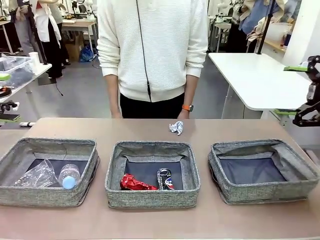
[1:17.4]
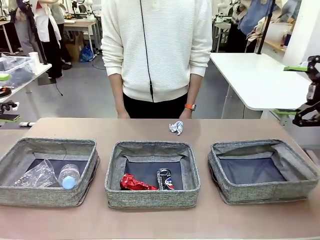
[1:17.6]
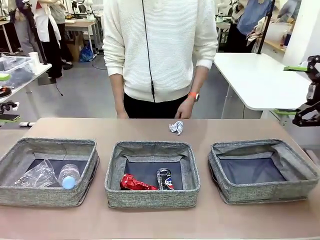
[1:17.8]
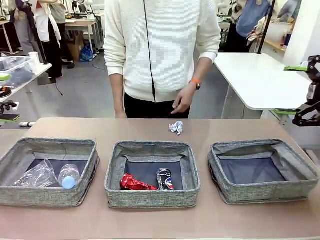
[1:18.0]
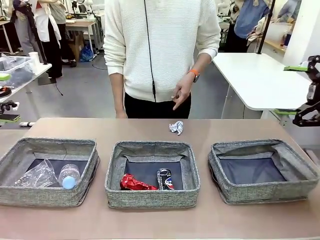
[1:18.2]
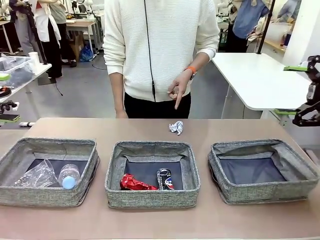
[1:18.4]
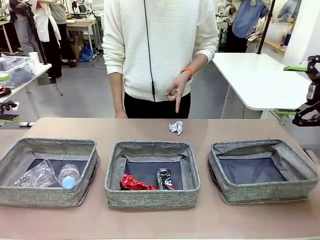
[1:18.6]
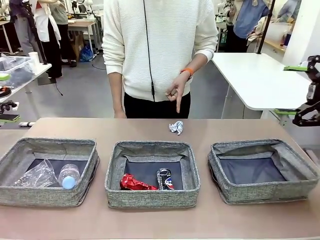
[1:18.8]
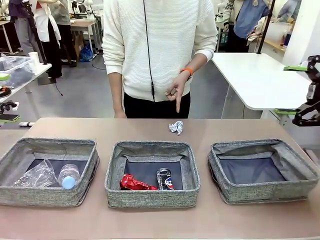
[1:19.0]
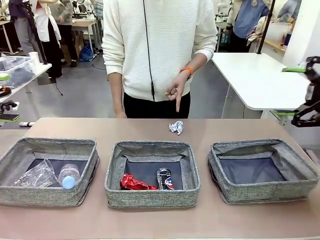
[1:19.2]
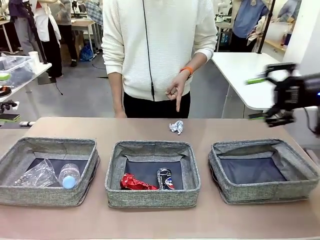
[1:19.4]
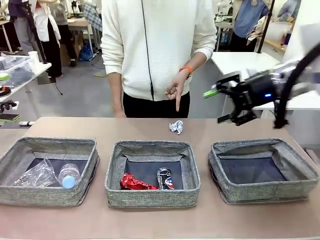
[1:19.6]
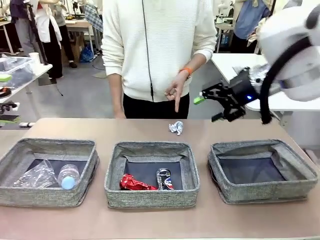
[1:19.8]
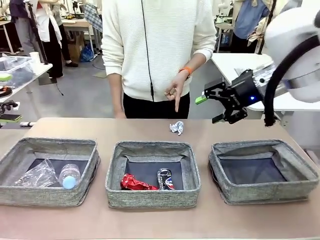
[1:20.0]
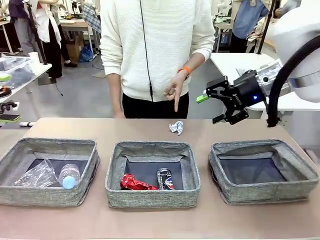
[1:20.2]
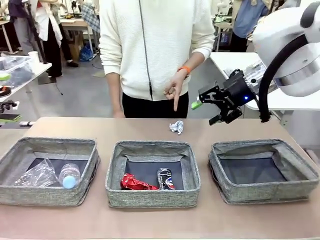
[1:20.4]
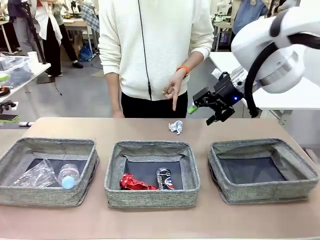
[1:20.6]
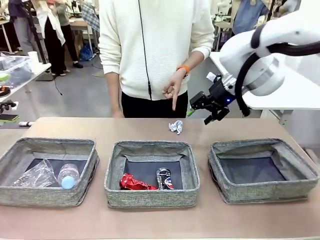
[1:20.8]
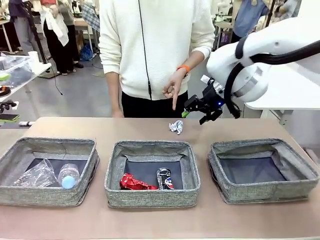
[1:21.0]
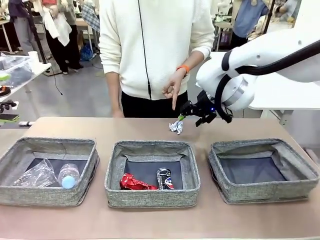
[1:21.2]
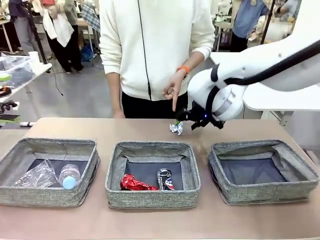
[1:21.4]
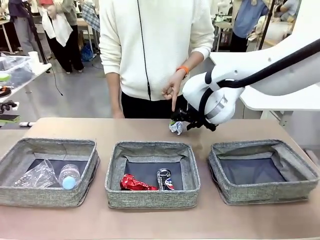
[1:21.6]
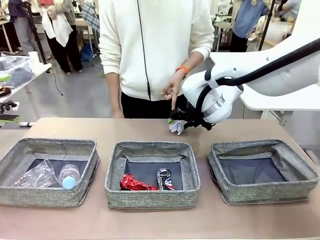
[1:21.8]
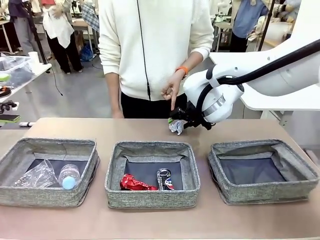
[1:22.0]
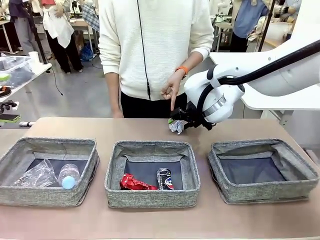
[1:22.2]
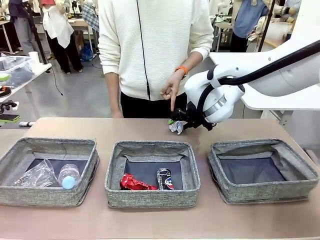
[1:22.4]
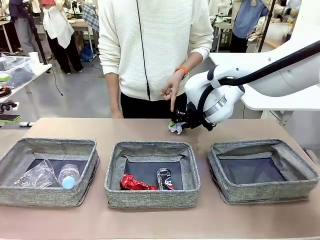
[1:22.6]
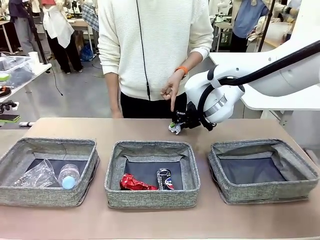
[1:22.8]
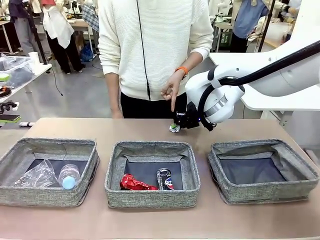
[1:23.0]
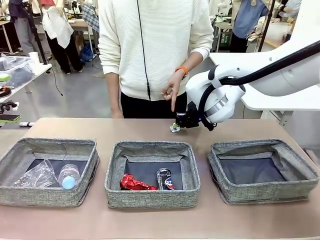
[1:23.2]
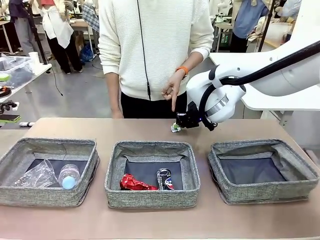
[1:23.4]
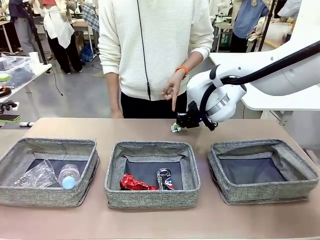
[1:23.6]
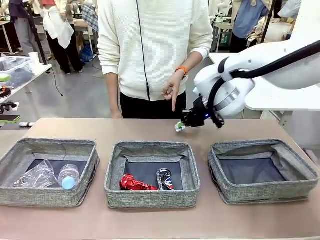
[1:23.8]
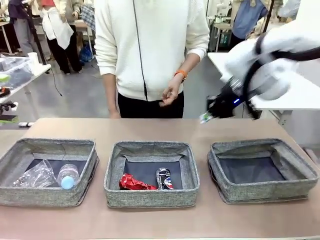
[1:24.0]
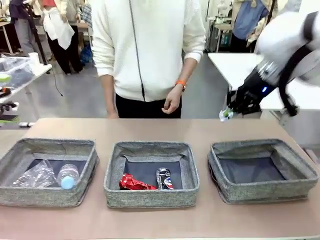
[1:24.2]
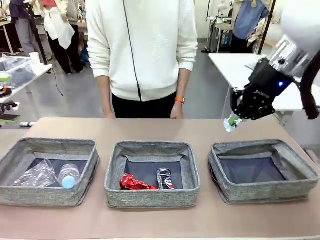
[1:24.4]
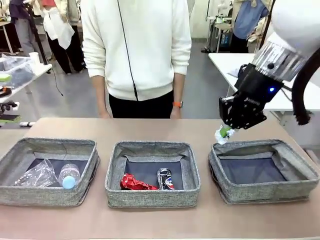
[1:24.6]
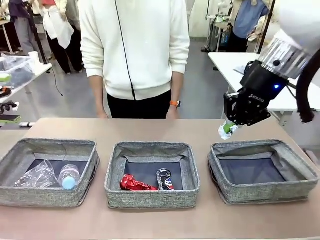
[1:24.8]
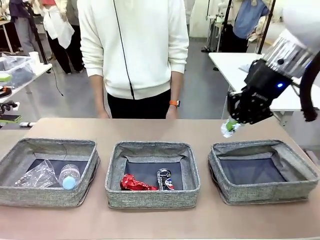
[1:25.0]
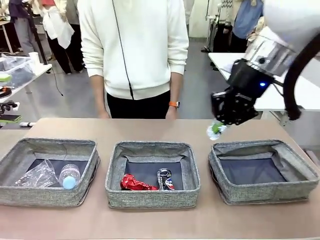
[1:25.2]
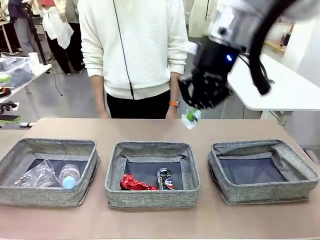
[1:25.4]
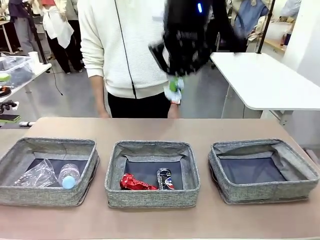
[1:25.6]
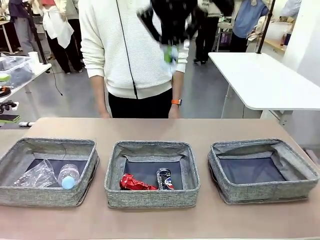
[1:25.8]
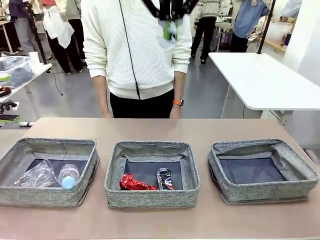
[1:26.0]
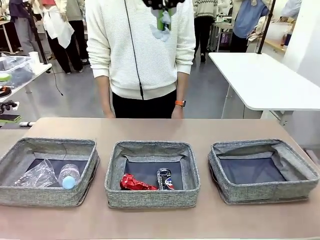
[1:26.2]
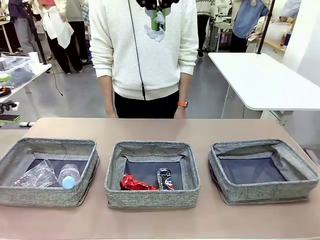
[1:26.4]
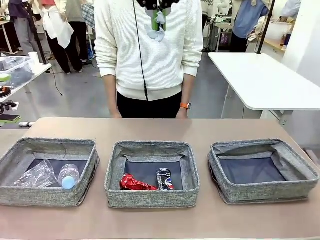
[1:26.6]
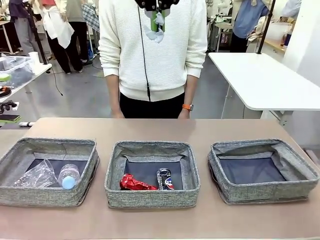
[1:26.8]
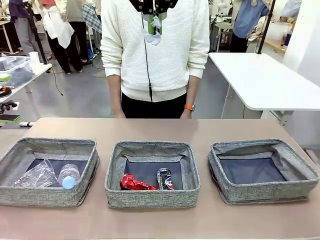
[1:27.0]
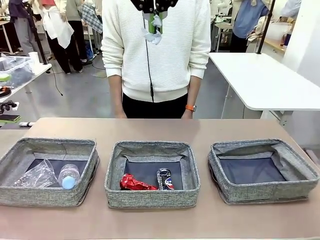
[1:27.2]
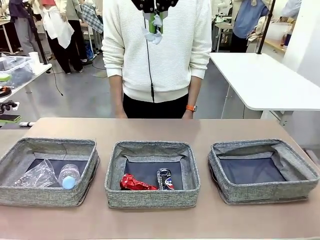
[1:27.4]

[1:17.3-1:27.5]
Task: Sort the waste into the appropriate baskets.
Robot: Pick up the waste item pointed out by the person.
Person: Points to one piece of trash on the table.

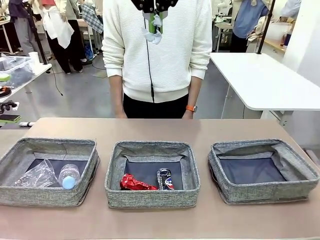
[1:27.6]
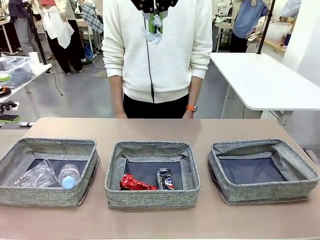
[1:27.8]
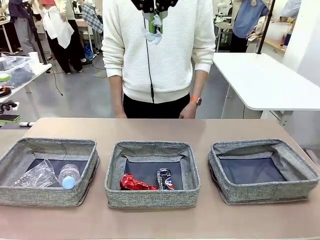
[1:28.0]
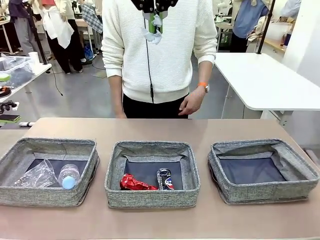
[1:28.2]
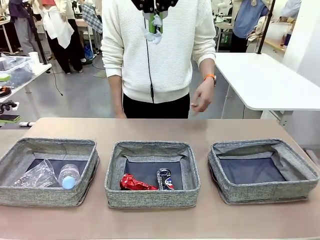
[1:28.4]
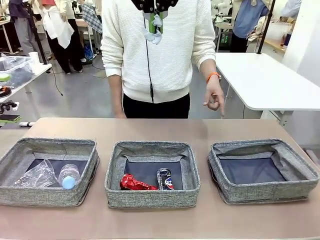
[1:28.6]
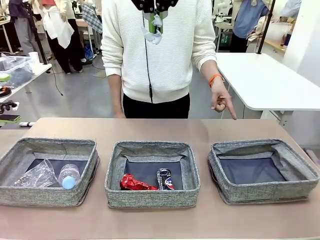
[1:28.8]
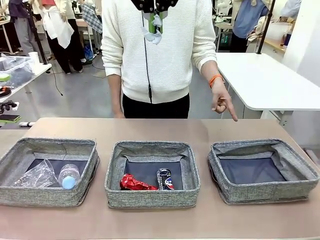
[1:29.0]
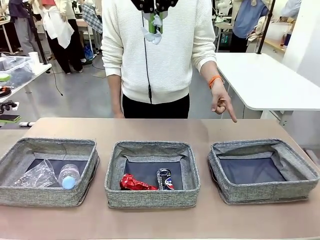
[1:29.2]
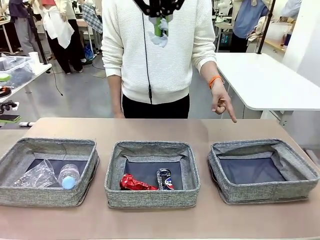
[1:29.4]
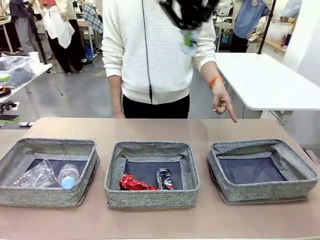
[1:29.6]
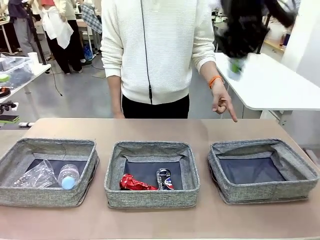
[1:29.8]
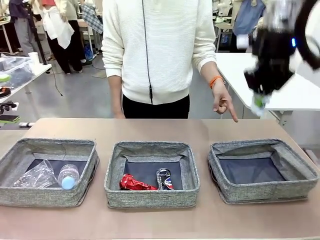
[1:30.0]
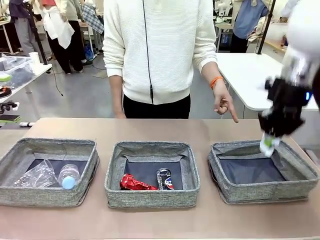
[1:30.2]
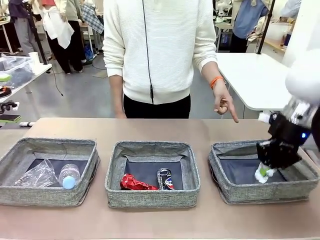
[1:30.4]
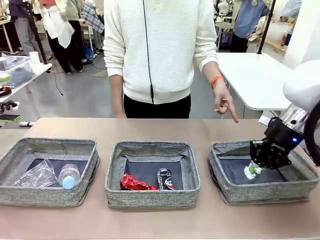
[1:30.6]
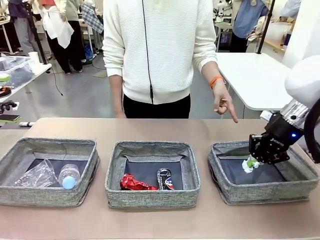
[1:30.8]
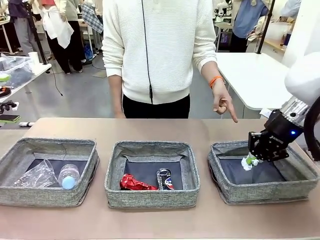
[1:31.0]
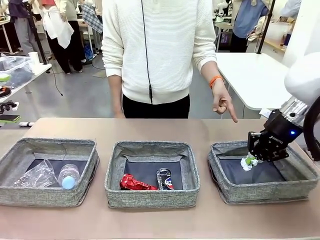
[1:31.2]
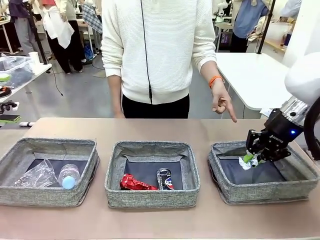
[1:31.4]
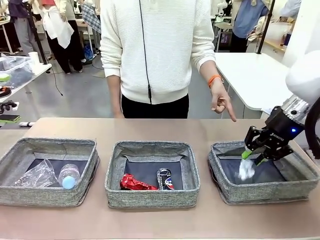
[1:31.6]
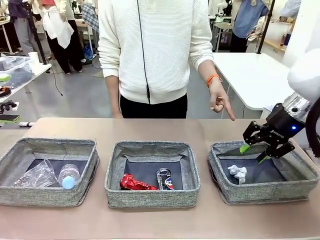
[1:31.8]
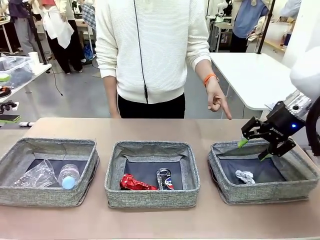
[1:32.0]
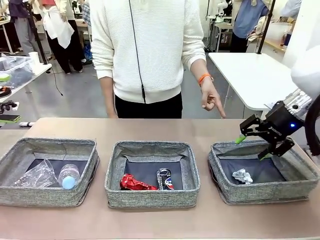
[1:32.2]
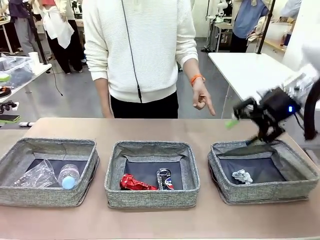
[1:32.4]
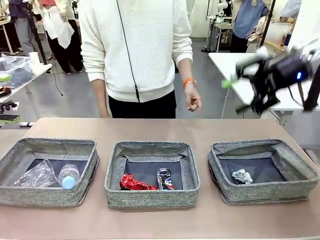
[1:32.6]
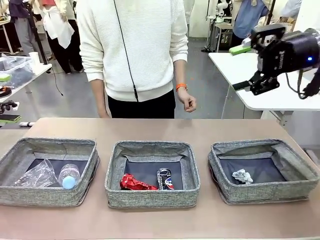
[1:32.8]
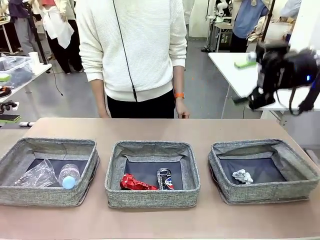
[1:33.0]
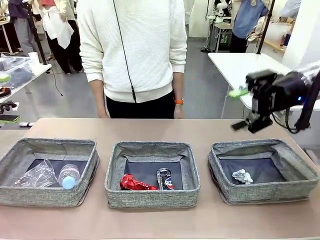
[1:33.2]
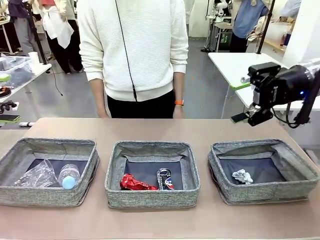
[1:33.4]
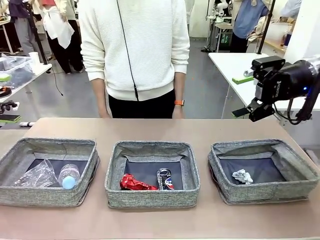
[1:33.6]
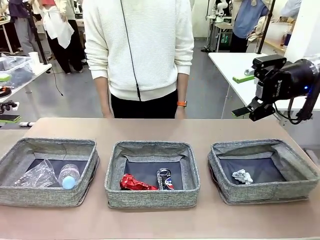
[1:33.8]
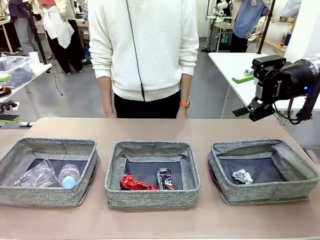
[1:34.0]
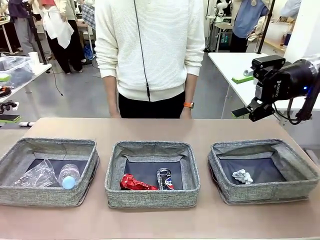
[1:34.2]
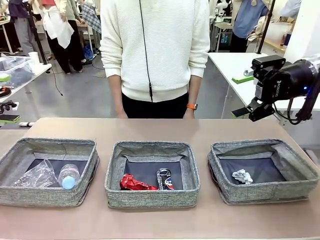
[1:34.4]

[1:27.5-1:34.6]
Robot: Place the picked waste into the Fabric basket indicated by the person.
Person: Instructs the robot to place the picked-up trash into the appropriate organizing basket.
